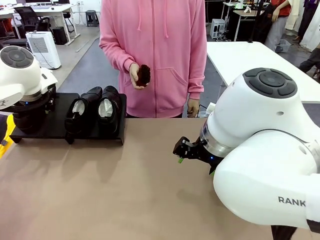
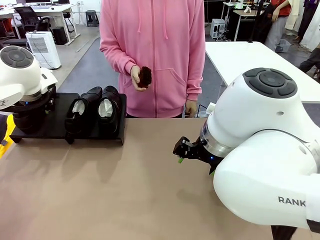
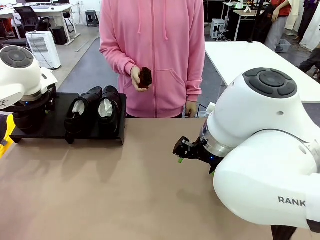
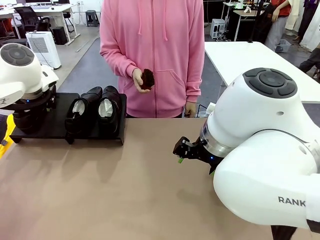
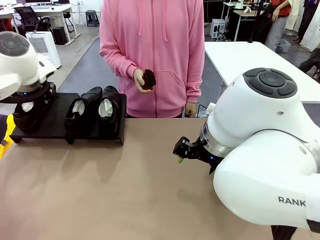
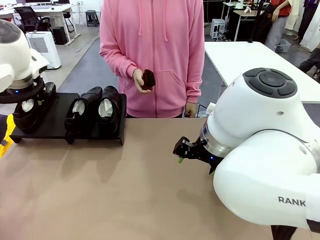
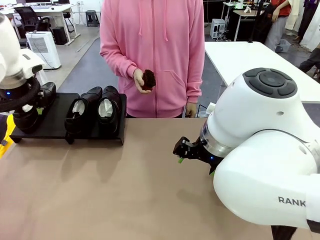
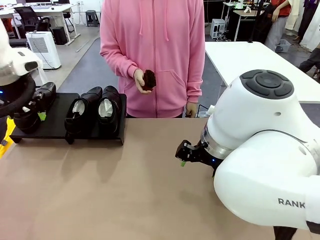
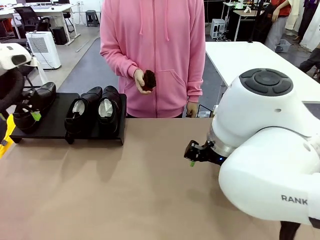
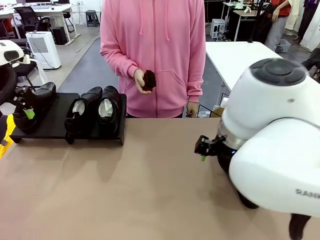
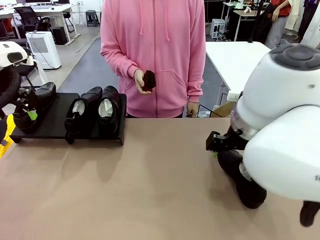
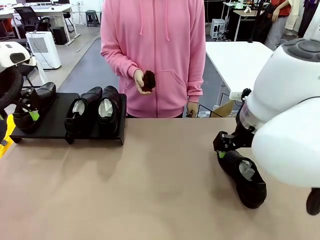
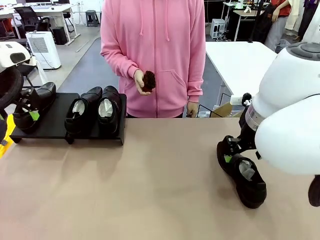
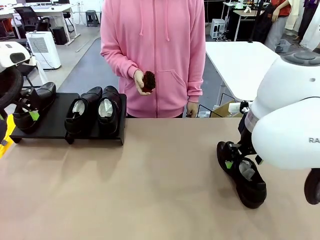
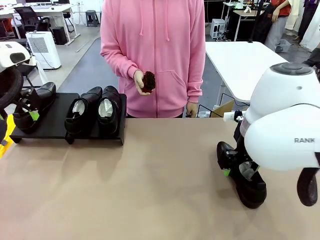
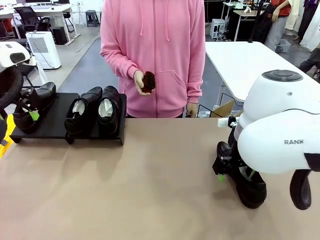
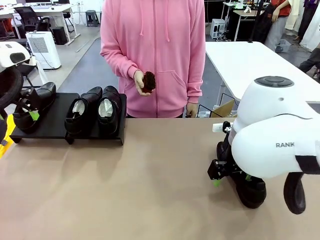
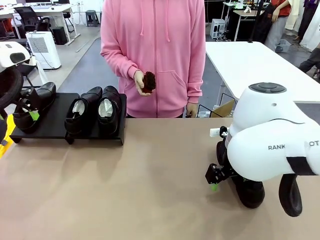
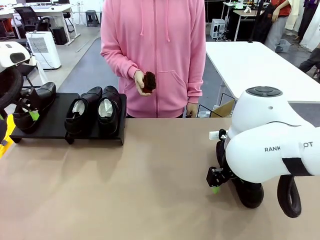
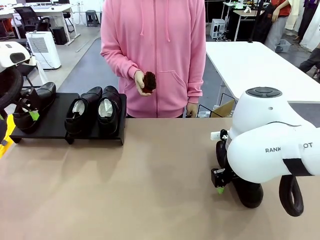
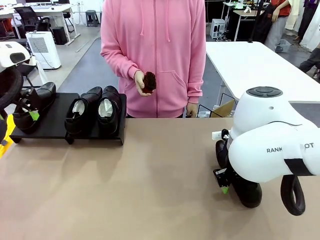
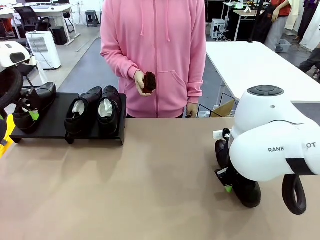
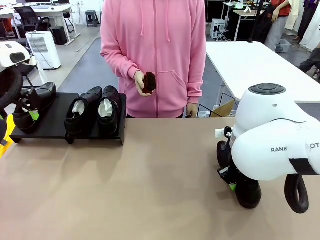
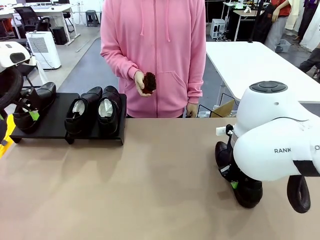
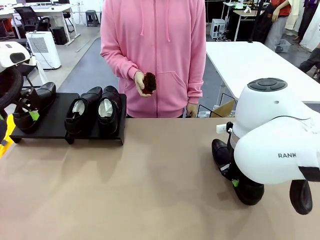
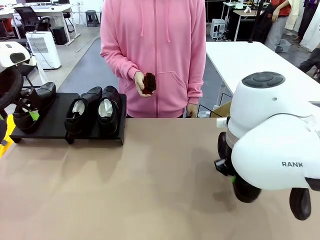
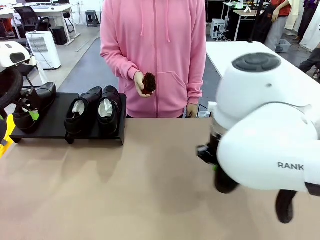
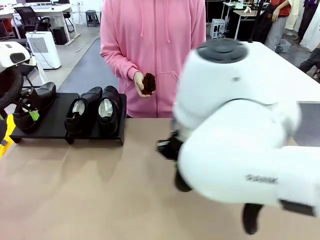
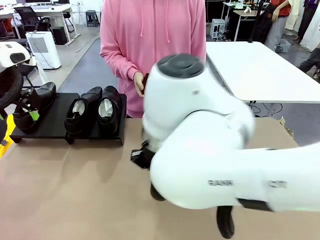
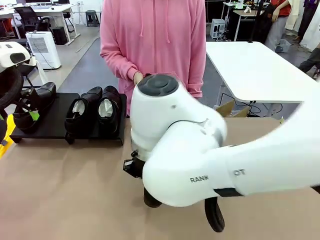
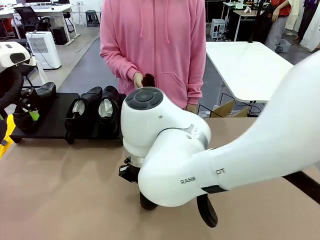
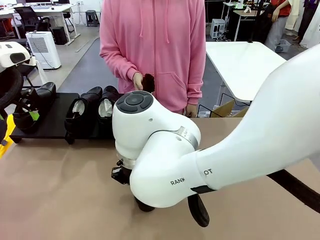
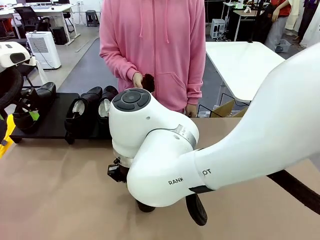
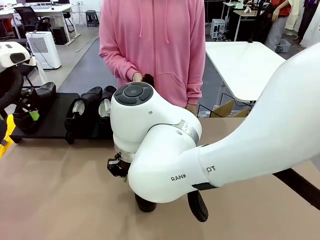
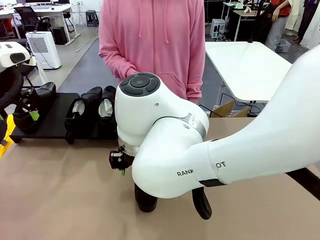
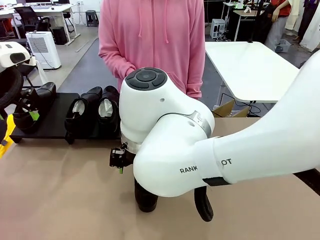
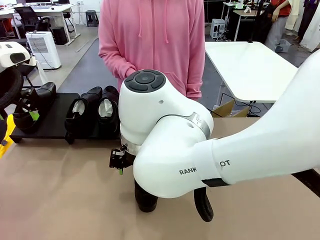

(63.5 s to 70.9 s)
Task: Organize the shoes by placing them on the stand.
Robot: Pick up one Shoe and place it in the middle of the table.

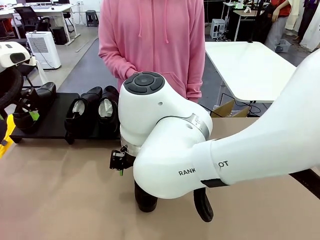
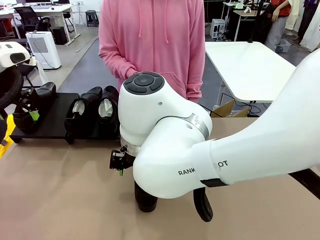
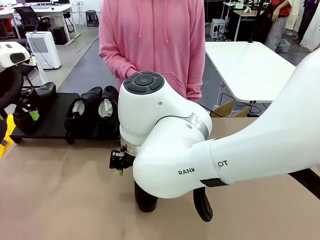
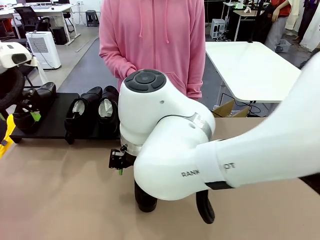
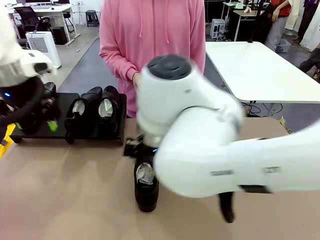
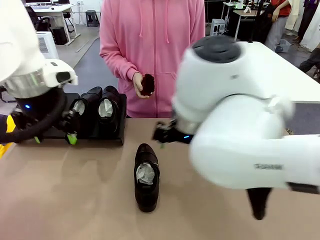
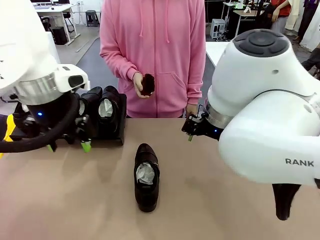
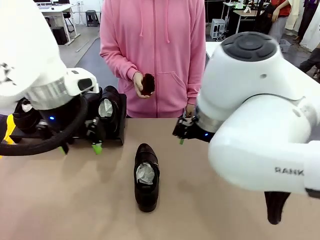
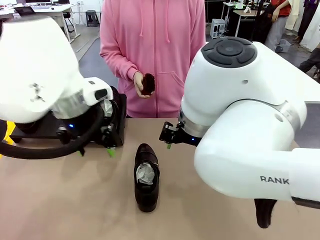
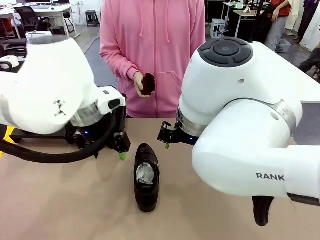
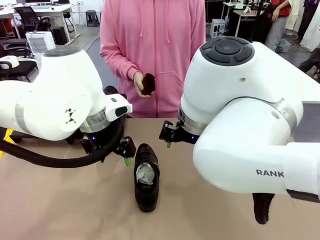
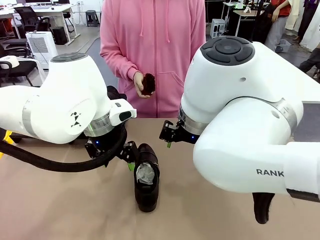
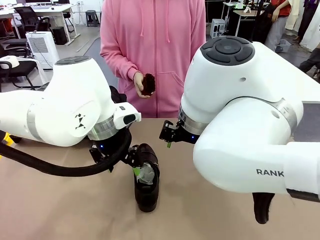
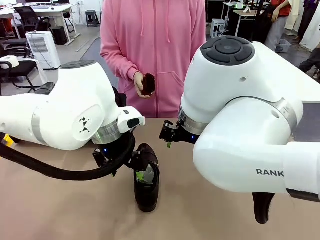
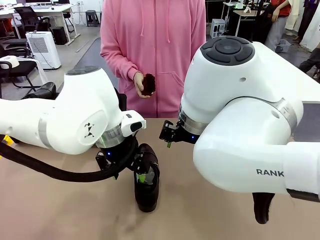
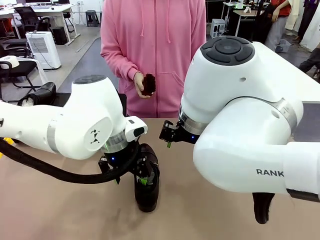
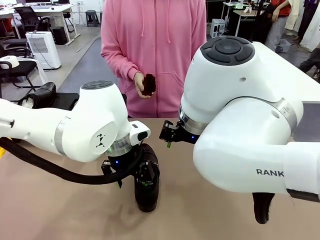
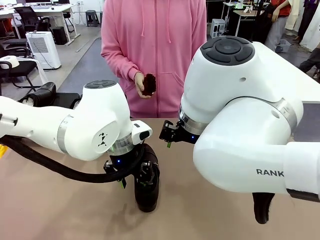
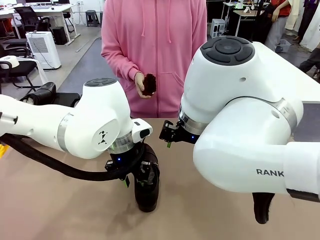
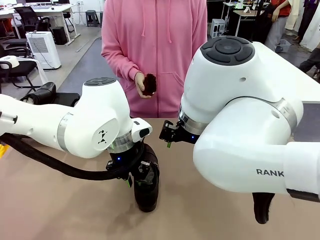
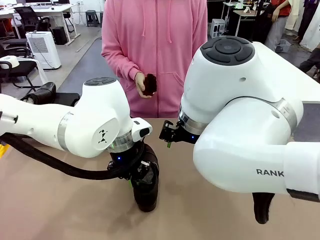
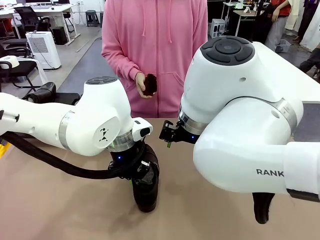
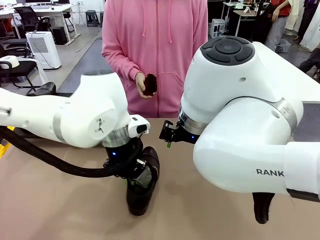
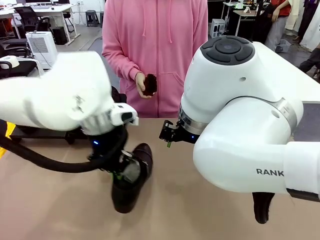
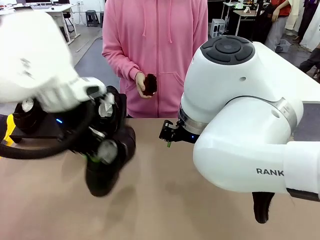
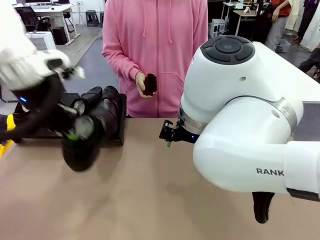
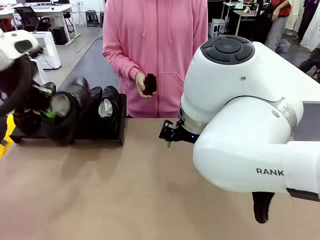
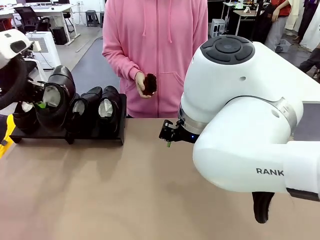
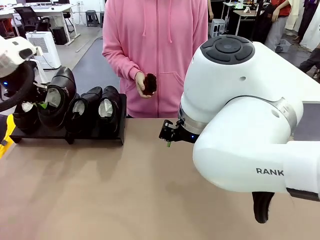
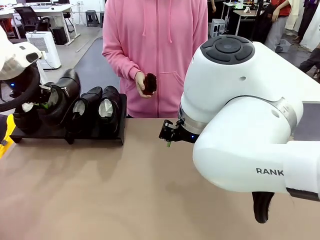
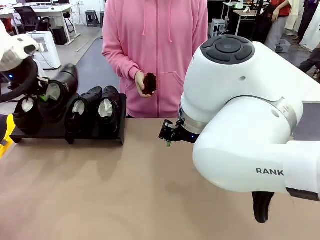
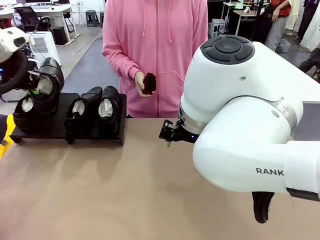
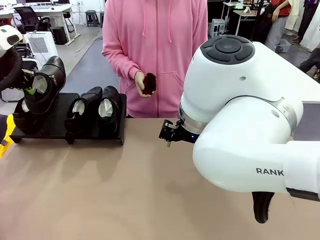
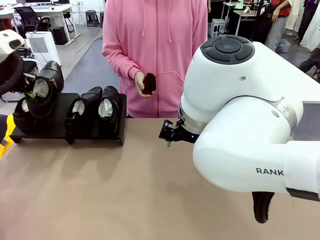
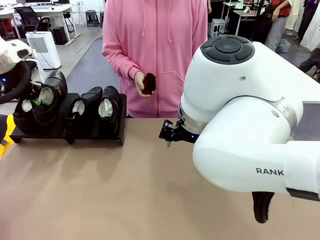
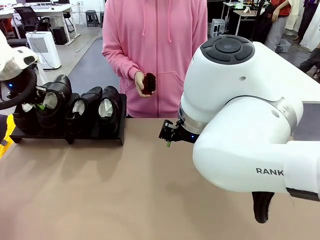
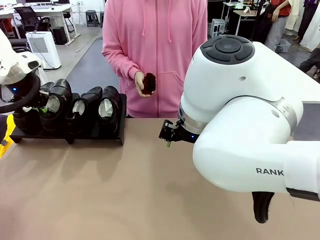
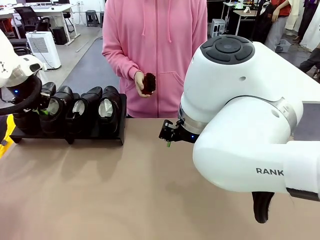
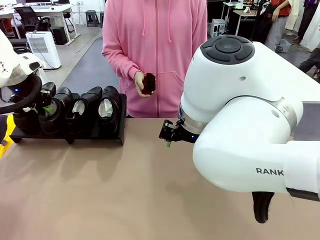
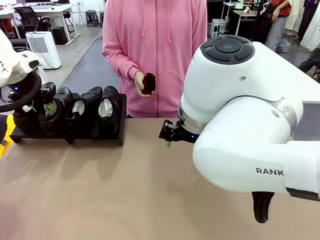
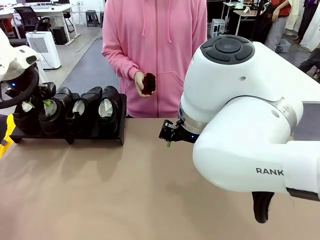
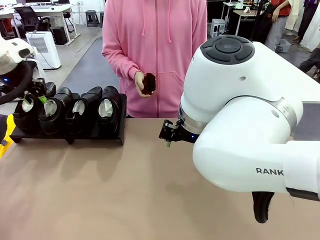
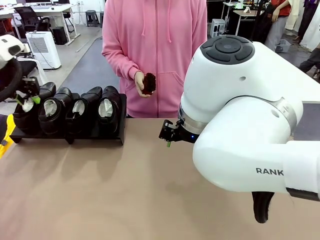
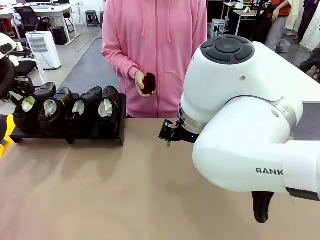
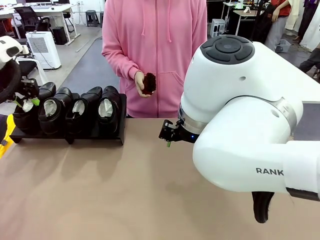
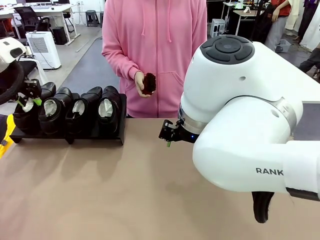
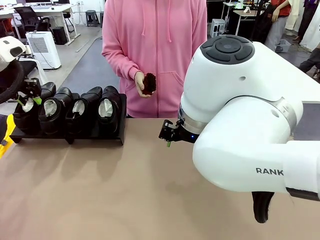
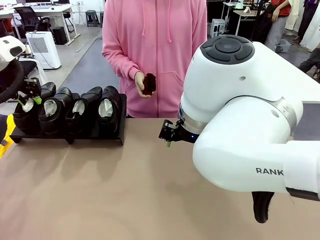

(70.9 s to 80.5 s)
Robot: Place the Shoe from the middle of the table onto the Shoes Stand.
